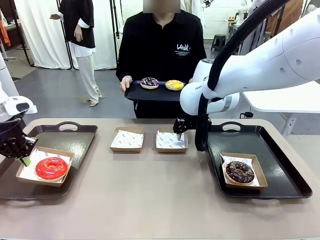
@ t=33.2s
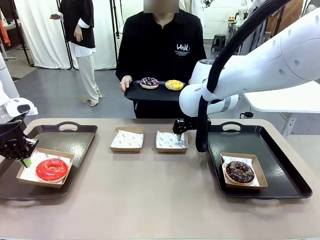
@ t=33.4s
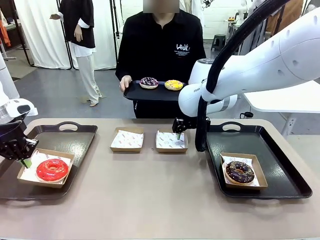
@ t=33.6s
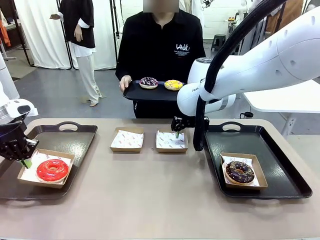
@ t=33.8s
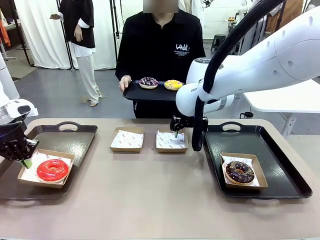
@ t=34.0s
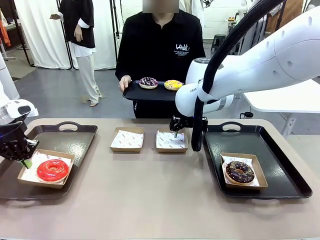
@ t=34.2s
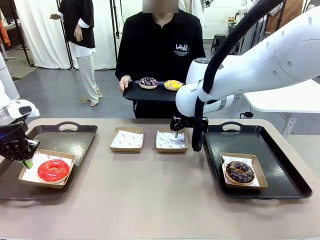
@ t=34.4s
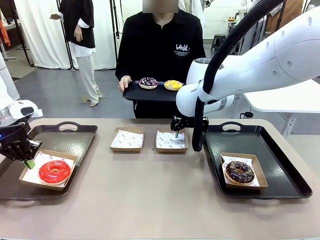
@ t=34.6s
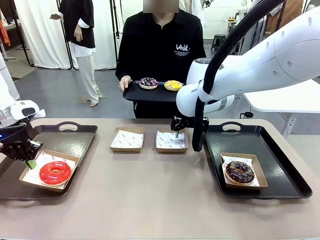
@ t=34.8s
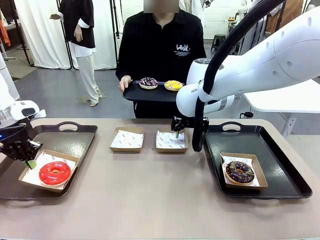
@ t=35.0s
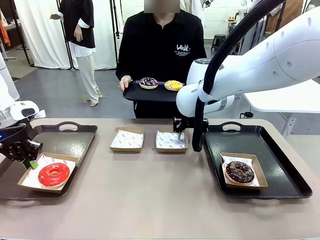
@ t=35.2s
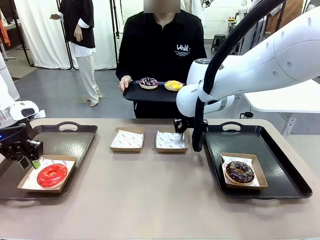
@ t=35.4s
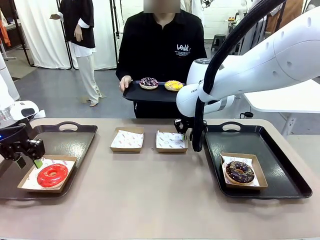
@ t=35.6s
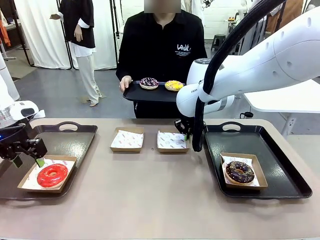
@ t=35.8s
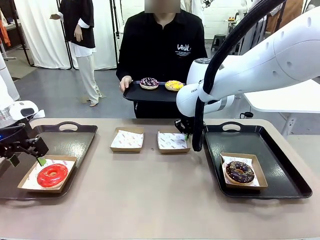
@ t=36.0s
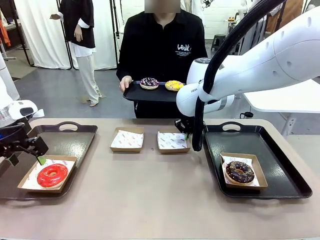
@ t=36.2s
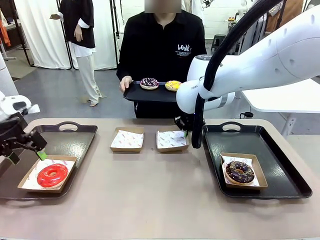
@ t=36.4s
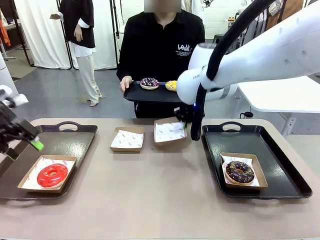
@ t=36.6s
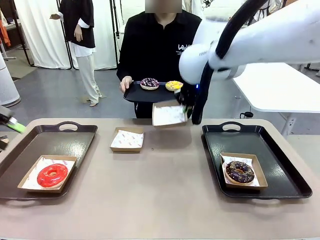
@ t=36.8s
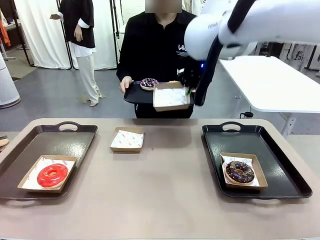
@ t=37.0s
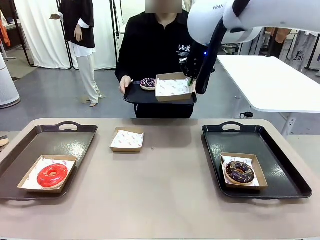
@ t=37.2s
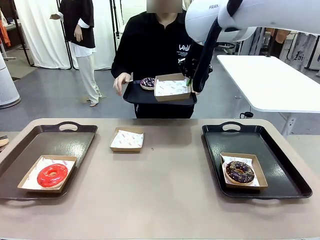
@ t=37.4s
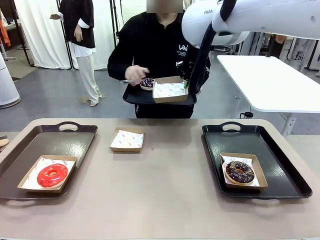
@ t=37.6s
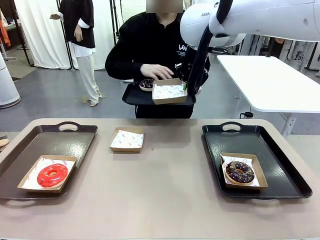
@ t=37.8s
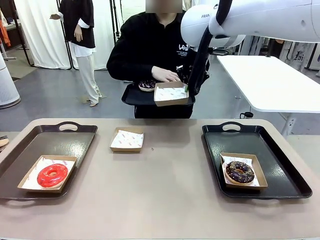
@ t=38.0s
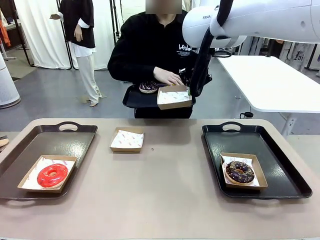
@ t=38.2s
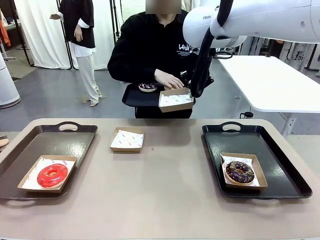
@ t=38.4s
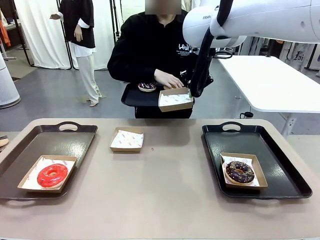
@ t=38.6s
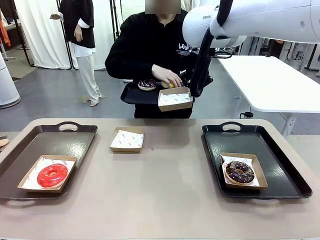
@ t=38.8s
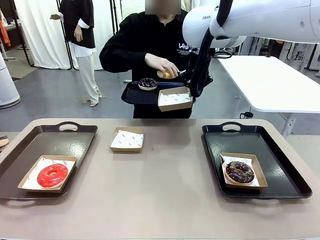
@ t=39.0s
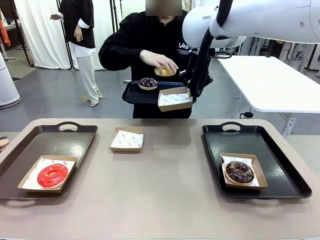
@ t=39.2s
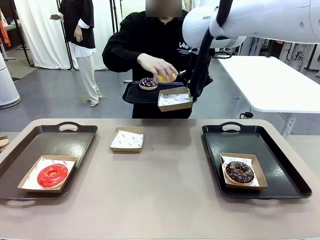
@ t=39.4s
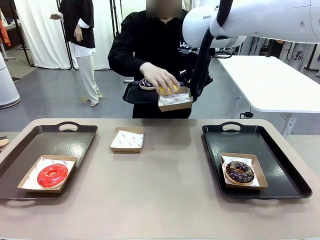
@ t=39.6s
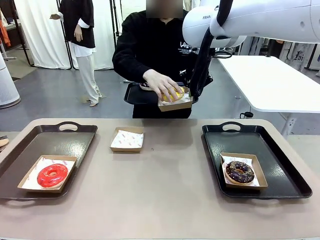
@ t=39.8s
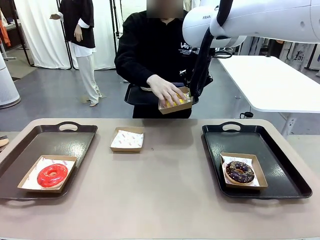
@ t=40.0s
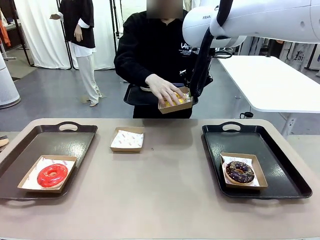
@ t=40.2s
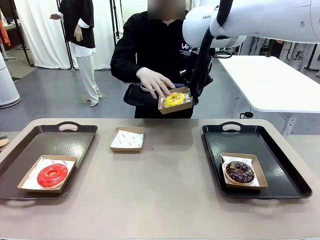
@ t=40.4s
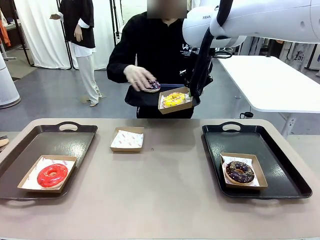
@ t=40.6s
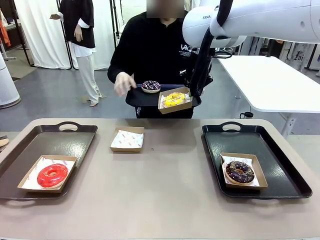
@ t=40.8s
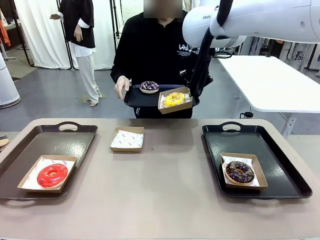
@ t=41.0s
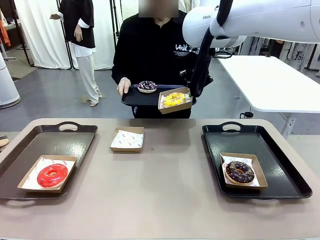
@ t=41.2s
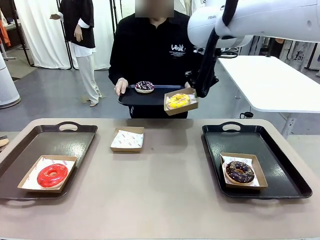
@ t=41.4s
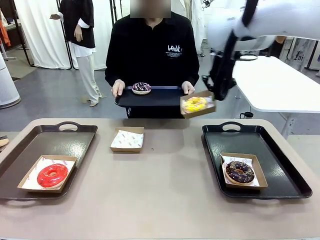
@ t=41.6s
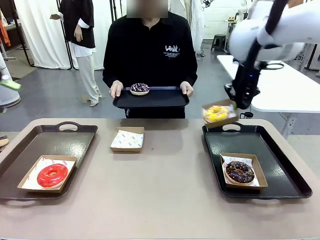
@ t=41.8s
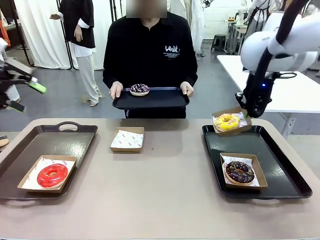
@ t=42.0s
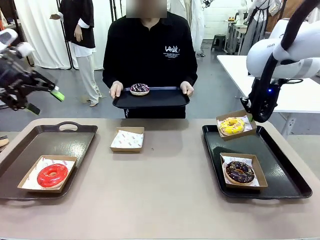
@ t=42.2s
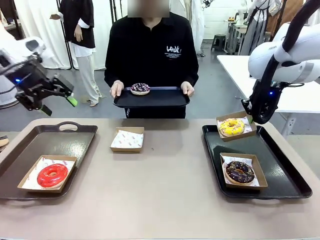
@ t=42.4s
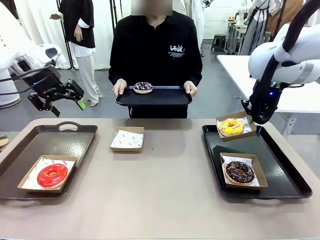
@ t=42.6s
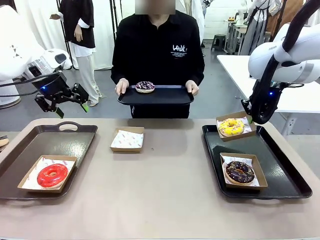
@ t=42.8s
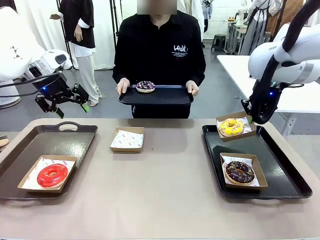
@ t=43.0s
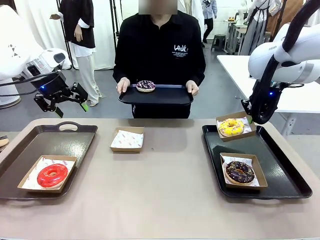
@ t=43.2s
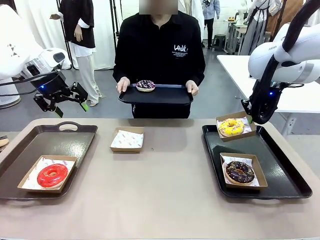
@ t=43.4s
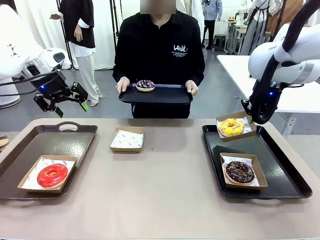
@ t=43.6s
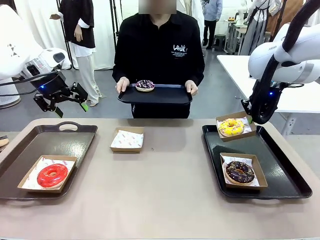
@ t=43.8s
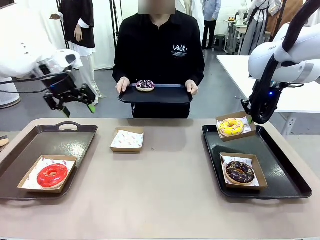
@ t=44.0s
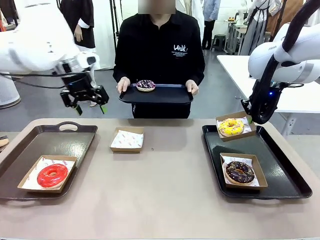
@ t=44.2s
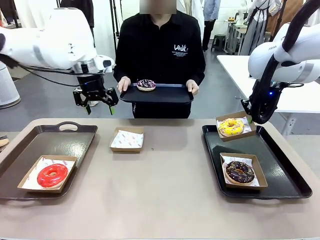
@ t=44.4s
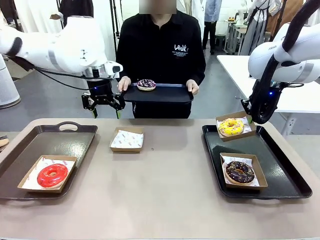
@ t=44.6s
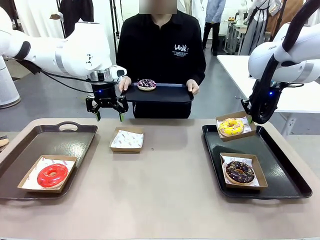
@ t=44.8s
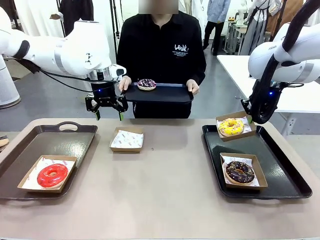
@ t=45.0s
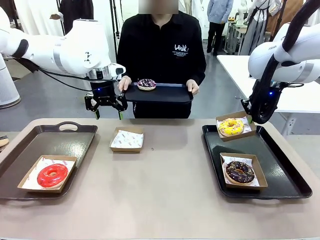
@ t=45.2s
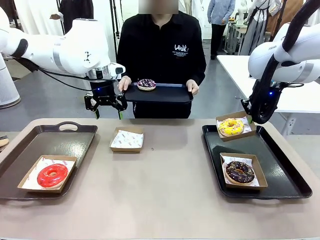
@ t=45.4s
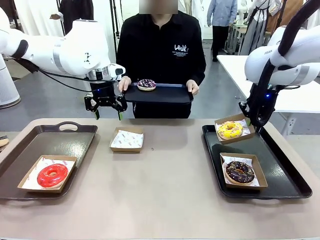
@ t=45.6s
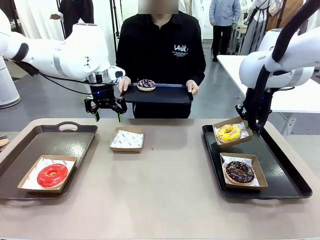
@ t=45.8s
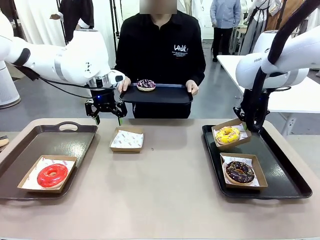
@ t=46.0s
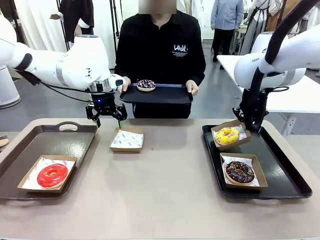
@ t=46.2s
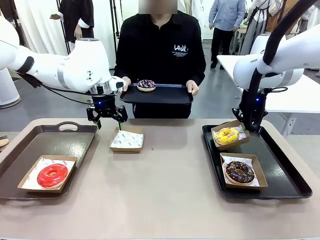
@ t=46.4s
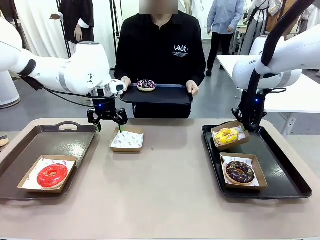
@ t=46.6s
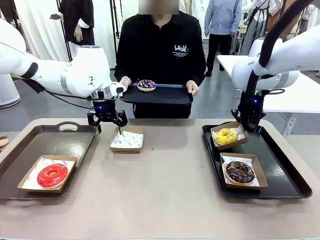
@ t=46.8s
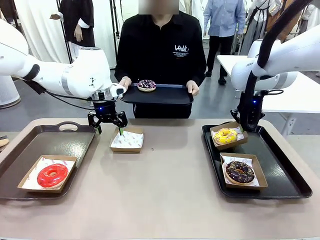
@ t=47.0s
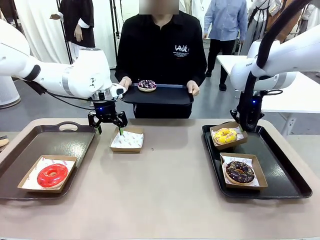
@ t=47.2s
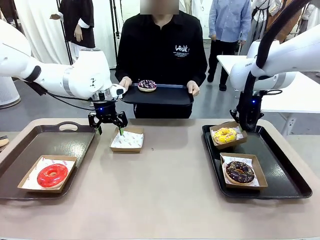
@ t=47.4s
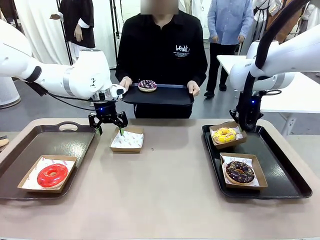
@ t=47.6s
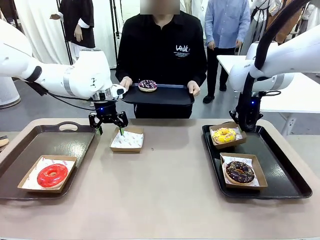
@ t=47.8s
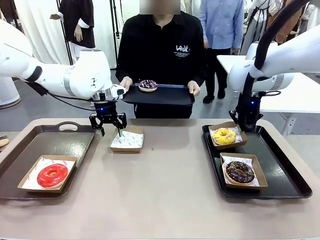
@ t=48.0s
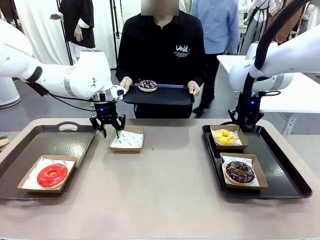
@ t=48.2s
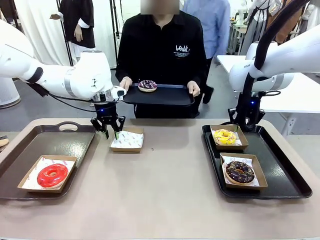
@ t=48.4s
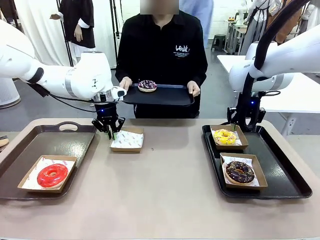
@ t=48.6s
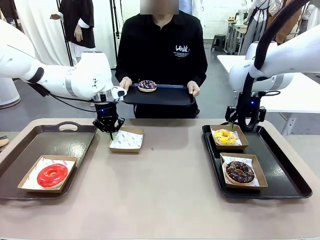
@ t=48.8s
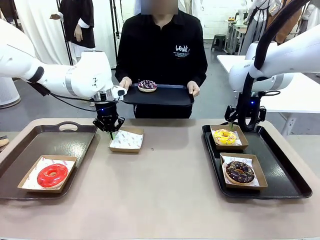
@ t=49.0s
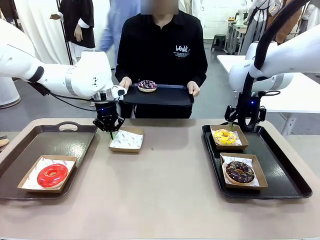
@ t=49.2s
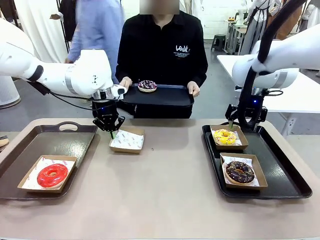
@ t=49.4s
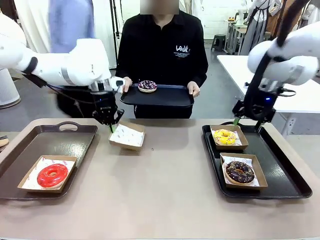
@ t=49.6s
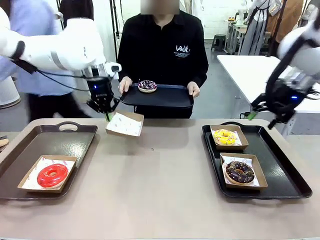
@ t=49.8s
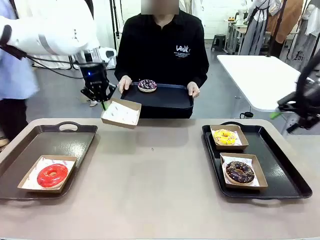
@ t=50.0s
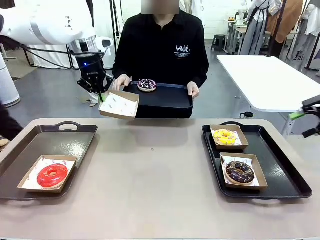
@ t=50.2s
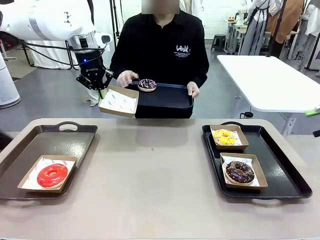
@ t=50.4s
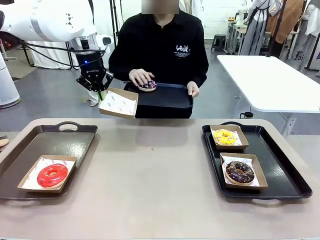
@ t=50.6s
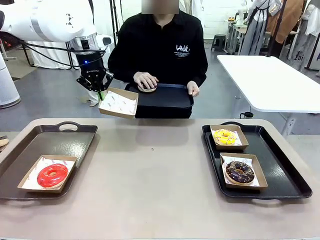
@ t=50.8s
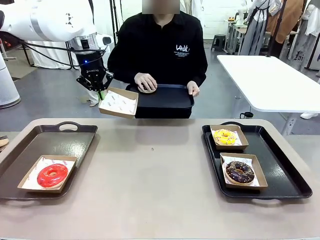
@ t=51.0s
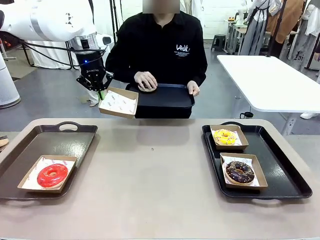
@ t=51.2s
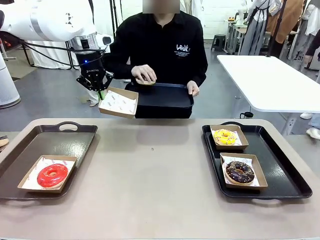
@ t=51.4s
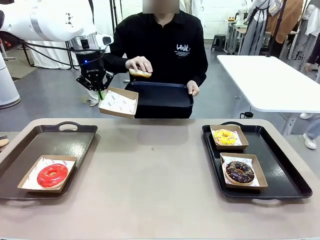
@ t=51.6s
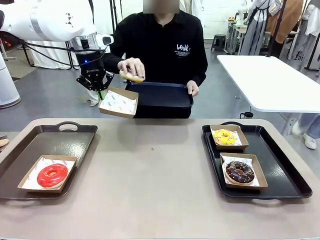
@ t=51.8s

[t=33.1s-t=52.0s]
Task: Individually package the donuts and arrange them on the tray.
Robot: Place the picked Paper togo box on the Handle tray while simultaneously picking up another Paper togo box from the table with the other hand.
